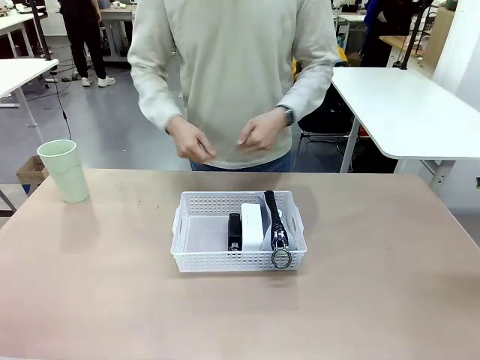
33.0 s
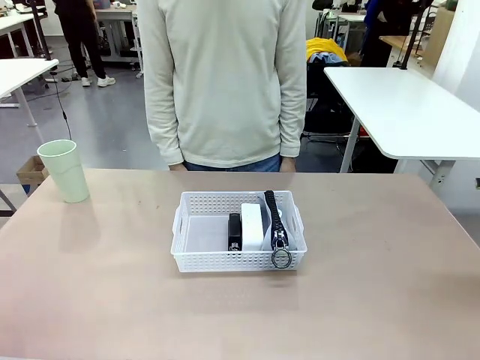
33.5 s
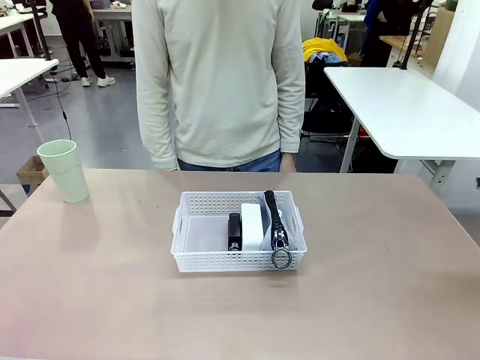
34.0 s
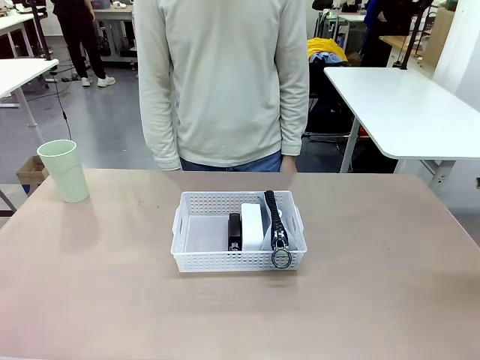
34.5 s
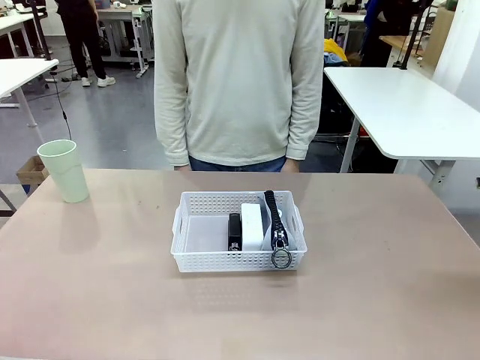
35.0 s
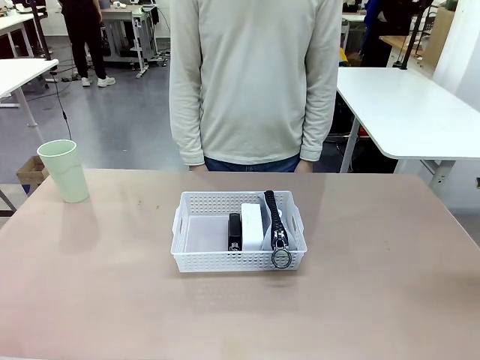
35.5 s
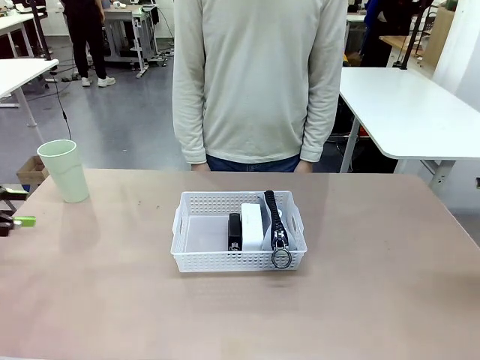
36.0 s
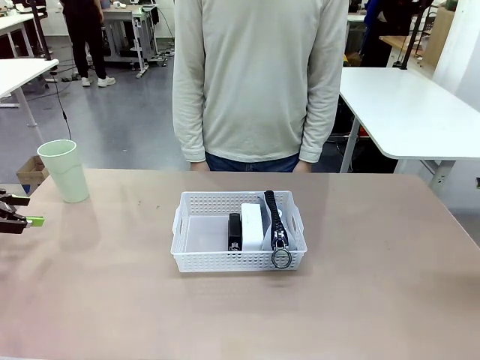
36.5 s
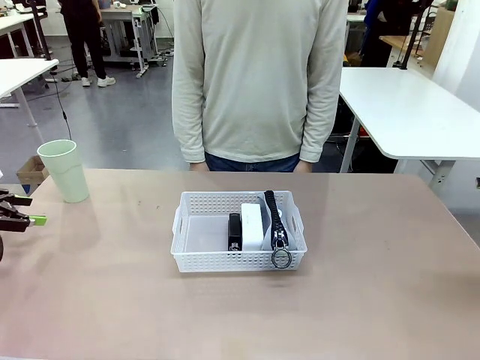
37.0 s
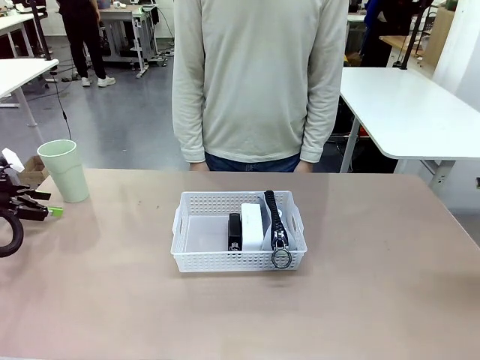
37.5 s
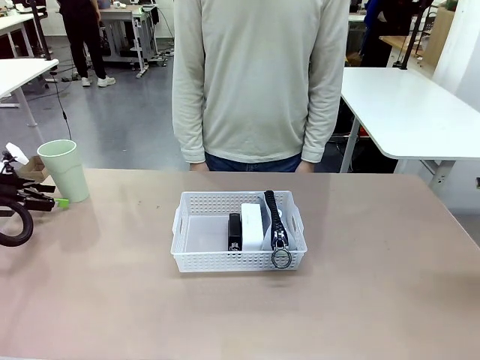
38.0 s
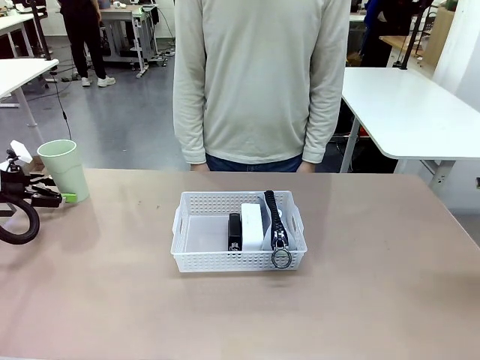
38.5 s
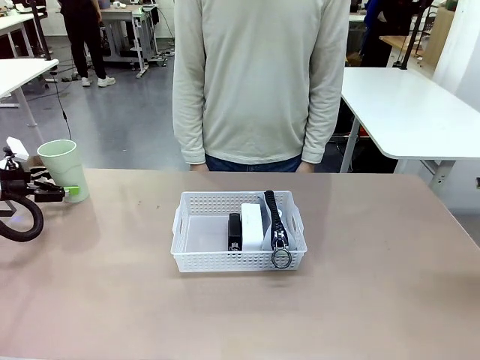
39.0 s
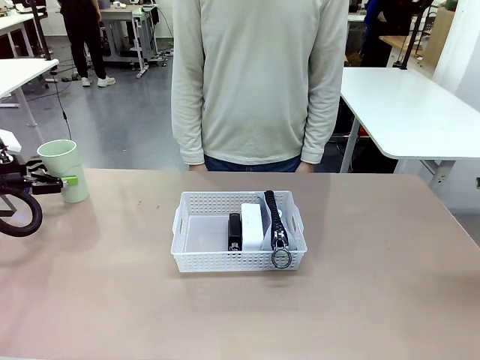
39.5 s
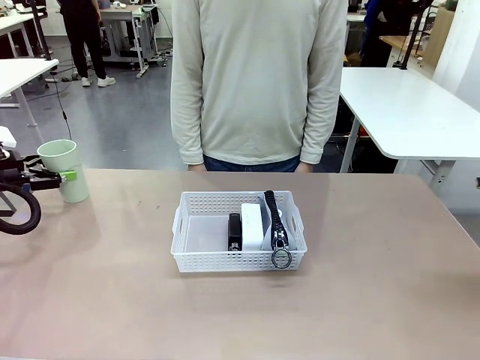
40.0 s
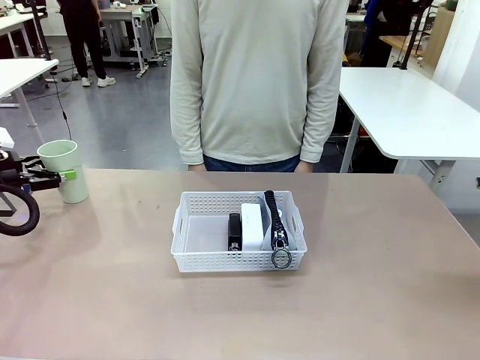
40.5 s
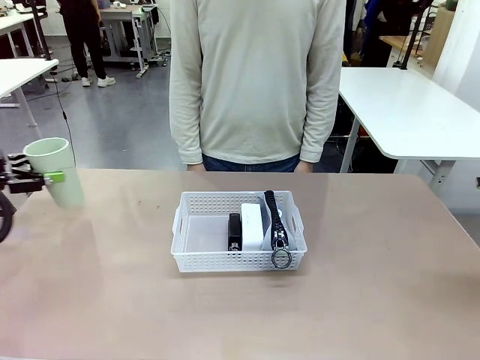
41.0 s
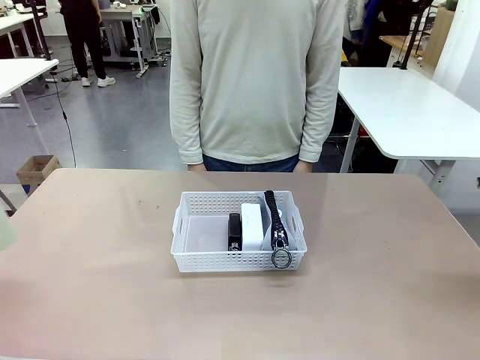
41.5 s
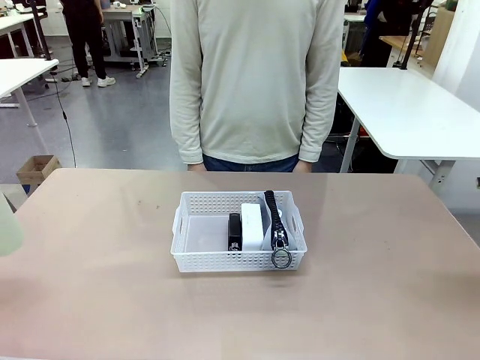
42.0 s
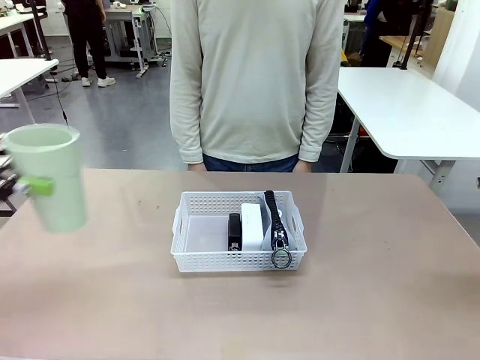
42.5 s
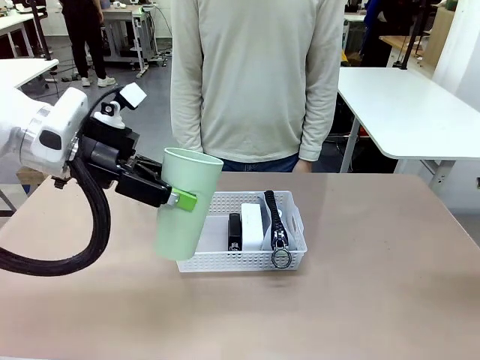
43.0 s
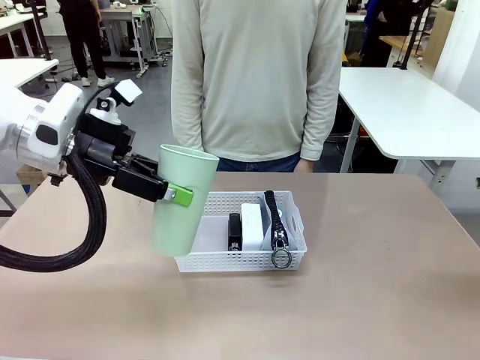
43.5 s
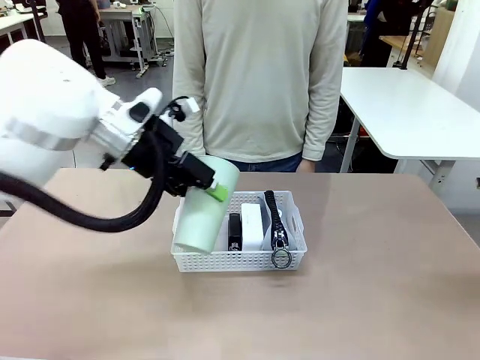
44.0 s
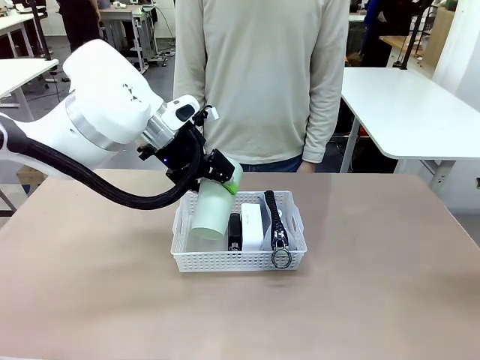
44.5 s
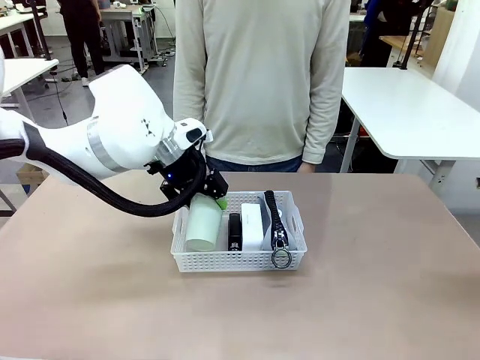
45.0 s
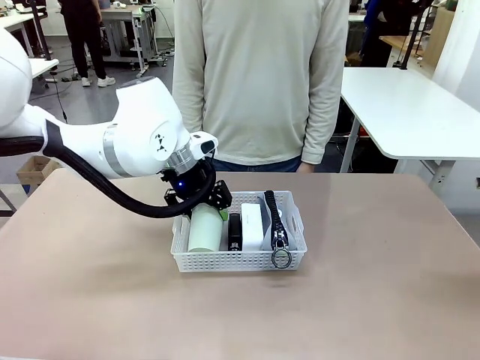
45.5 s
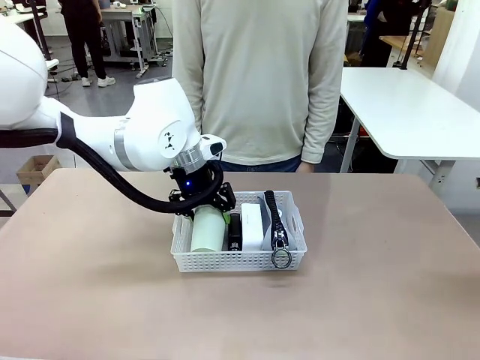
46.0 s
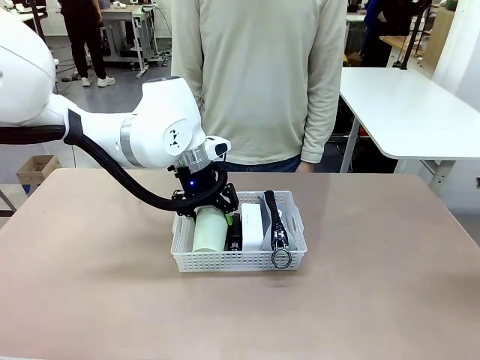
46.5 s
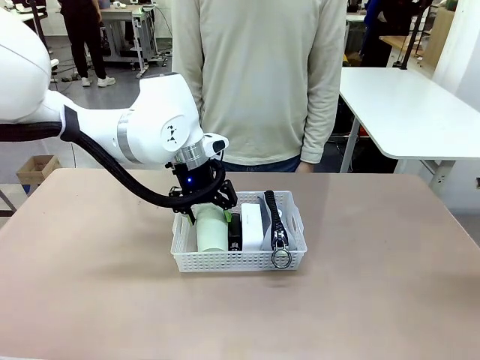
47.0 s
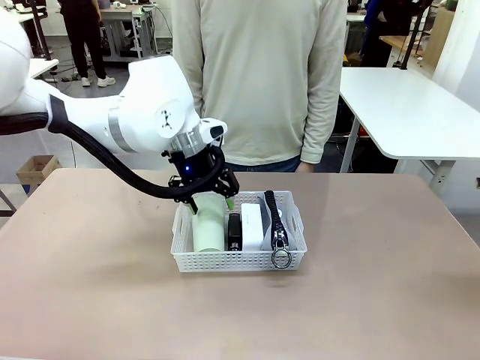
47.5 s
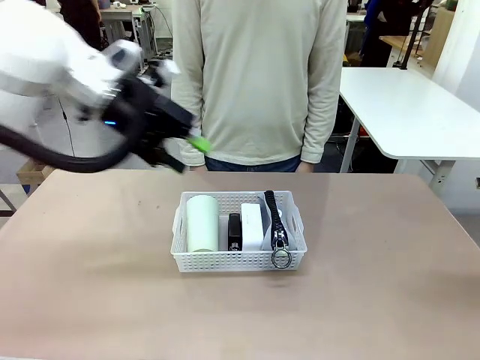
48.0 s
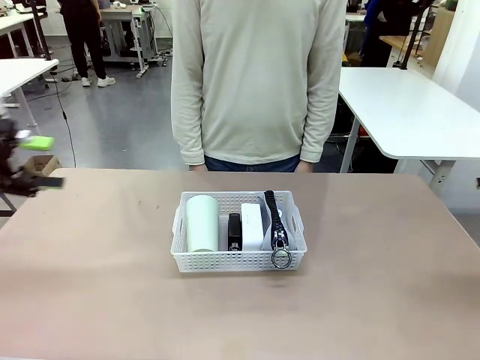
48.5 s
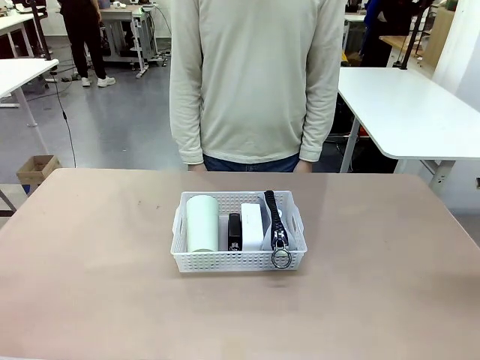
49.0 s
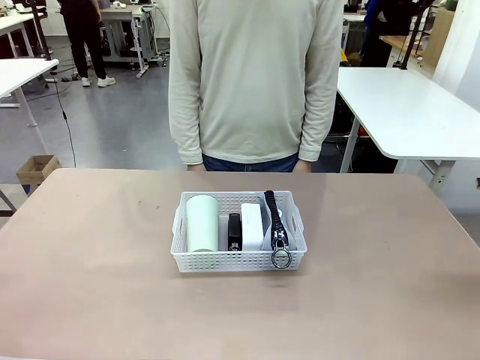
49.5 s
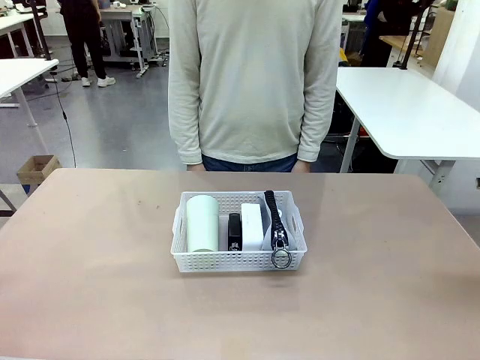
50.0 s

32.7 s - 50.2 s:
Task: Efficiently arrange items inside the basket to fit them all.
Robot: Pick up the Reusable plastic cup and place it inside the Organizing basket.
Person: Repositions the stapler.

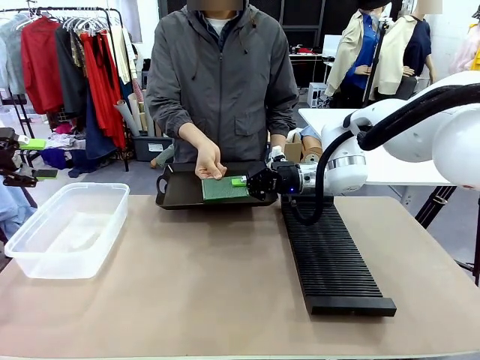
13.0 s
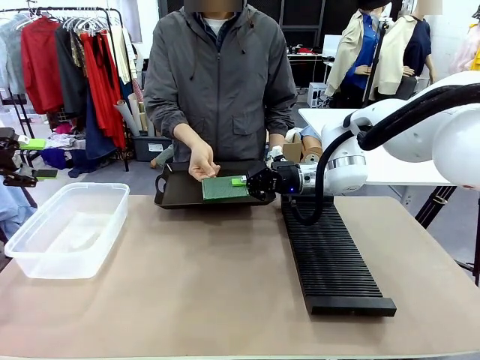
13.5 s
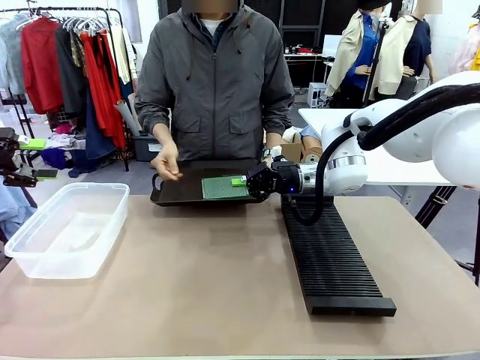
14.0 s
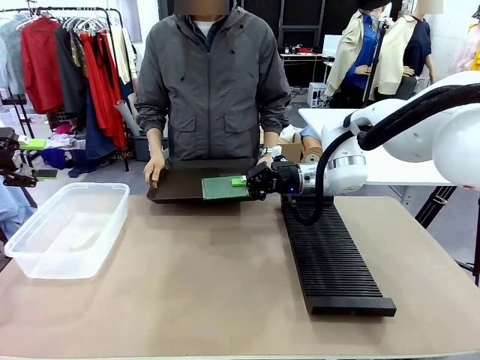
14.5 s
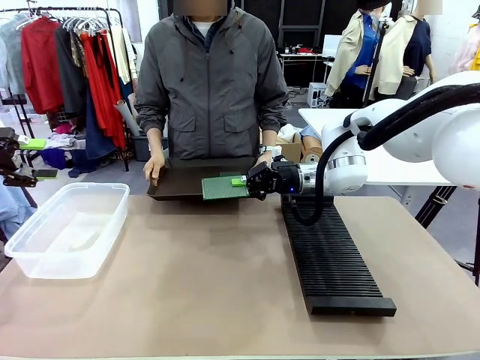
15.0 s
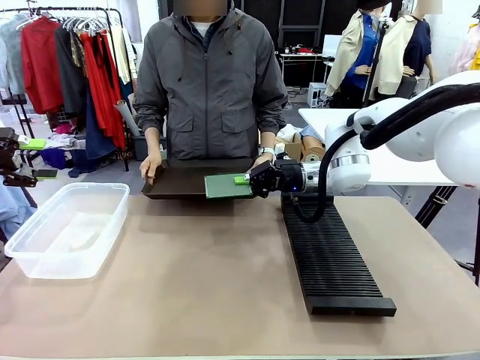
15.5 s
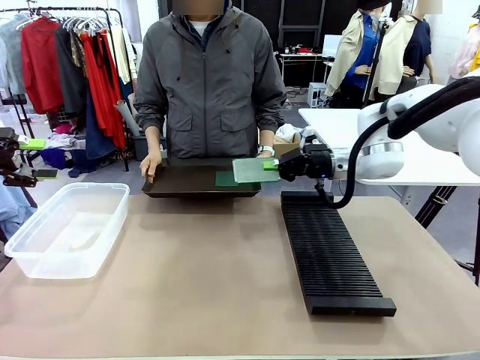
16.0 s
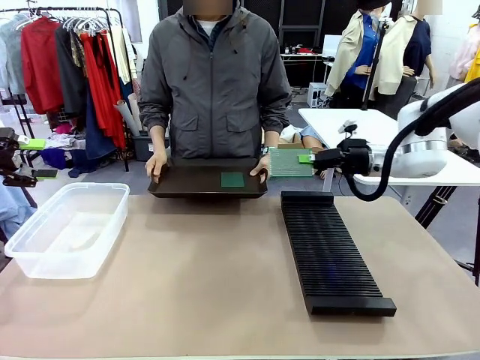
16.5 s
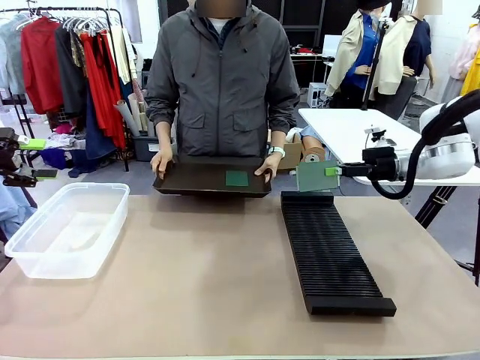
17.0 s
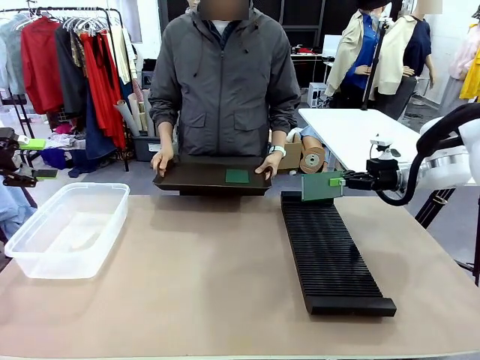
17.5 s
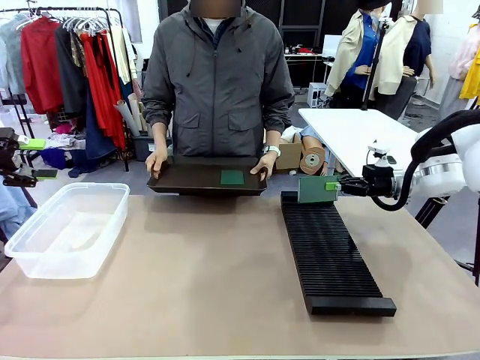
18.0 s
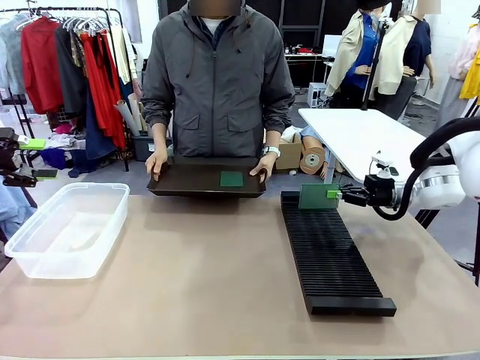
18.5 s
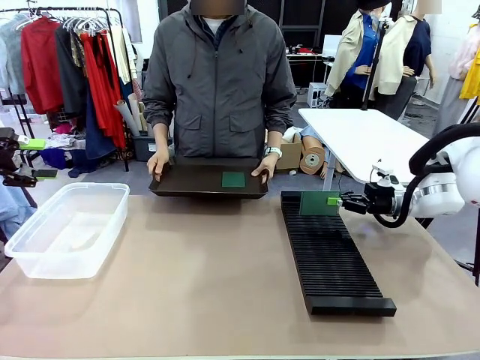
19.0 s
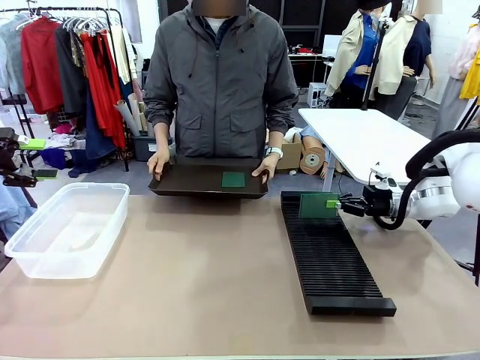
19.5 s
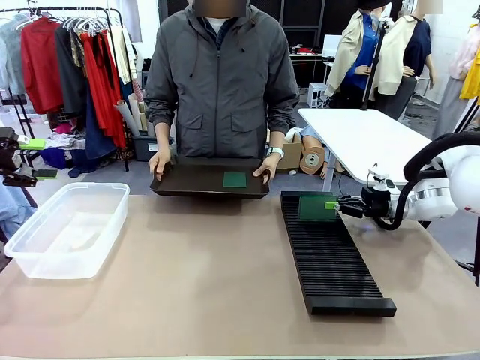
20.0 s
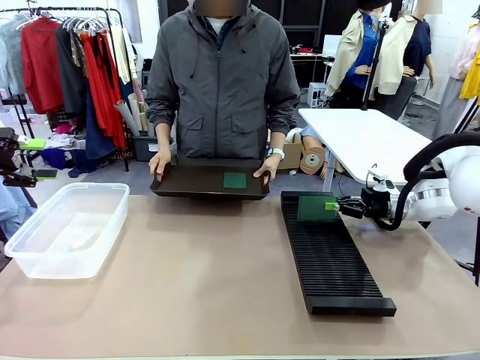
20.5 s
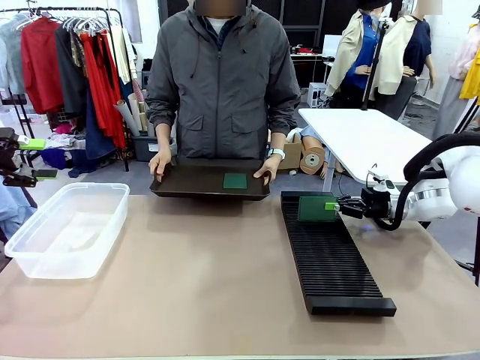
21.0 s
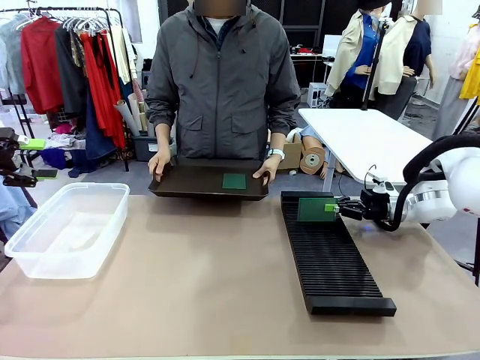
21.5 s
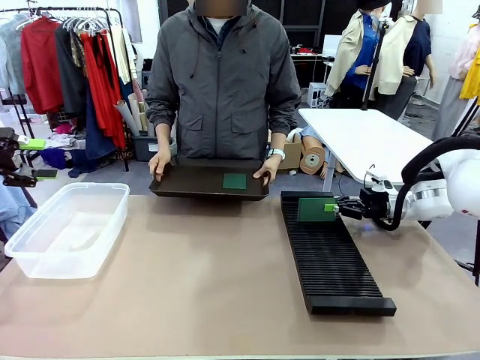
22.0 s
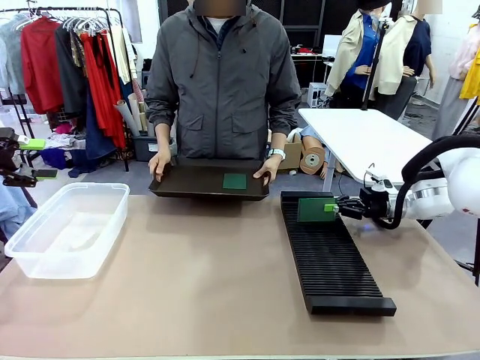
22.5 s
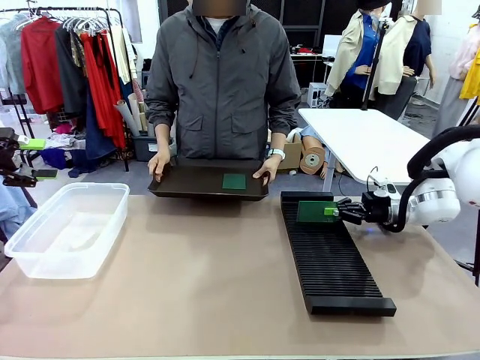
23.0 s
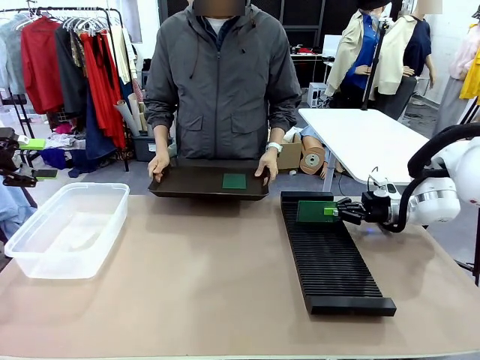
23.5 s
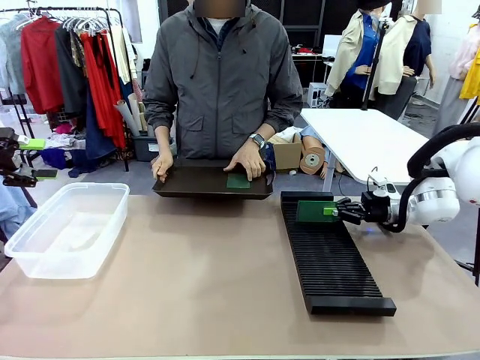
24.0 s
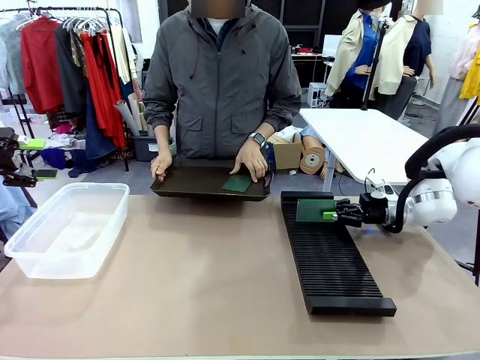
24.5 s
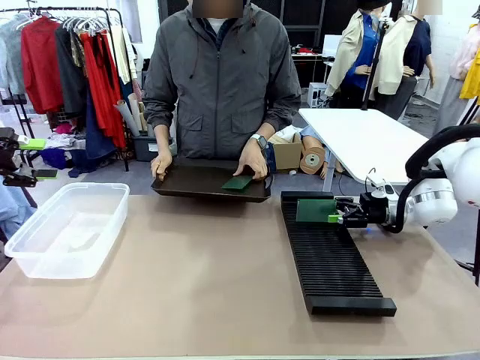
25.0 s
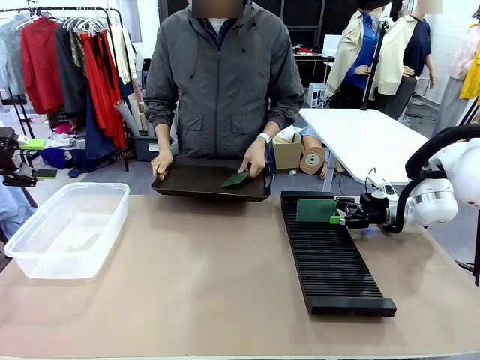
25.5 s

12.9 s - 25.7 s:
Task: Sort PCBs into racks and boxes based on the side picked up.
Robot: If the short side of the Blank PCB is picked up, insert it into the PCB Rack ; if the long side is picked up, place it in the Organizing box.
Person: Pick one PCB from the tray and present it to the robot.
